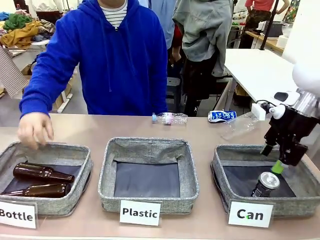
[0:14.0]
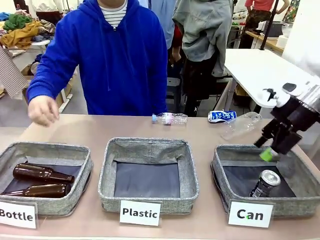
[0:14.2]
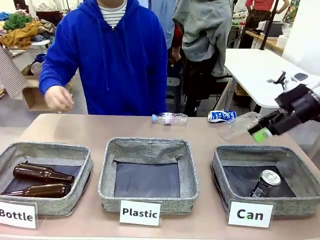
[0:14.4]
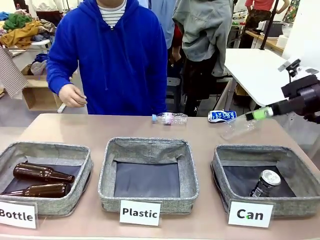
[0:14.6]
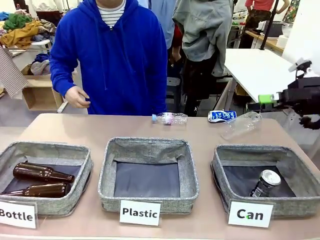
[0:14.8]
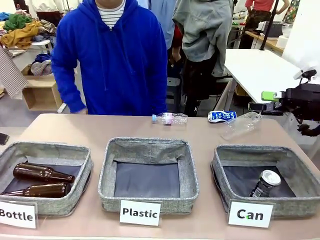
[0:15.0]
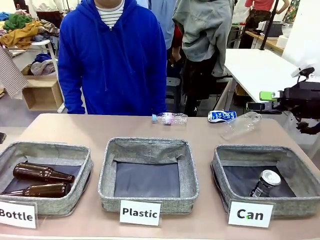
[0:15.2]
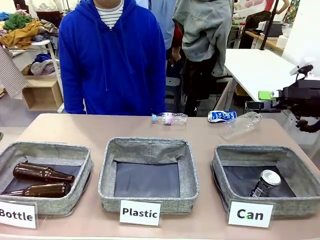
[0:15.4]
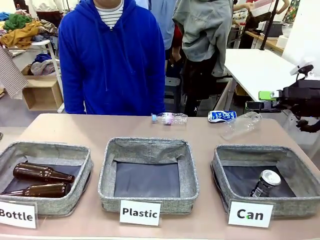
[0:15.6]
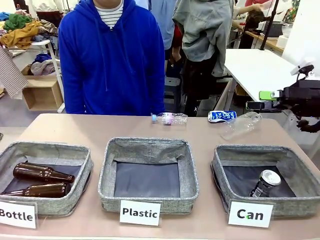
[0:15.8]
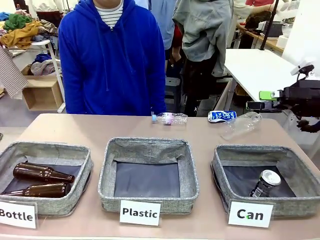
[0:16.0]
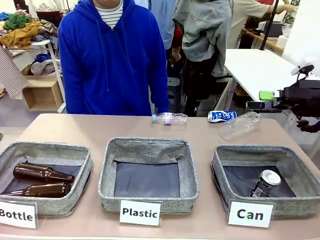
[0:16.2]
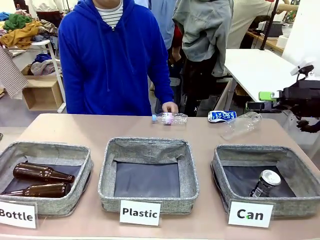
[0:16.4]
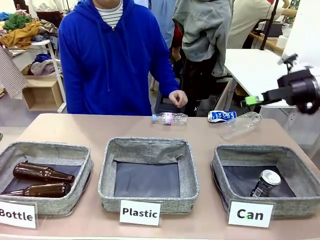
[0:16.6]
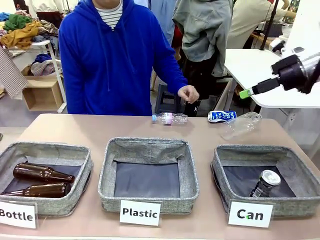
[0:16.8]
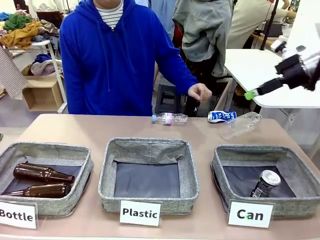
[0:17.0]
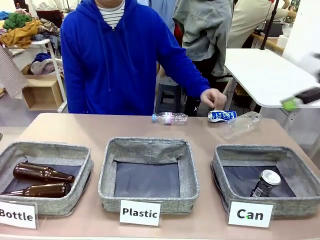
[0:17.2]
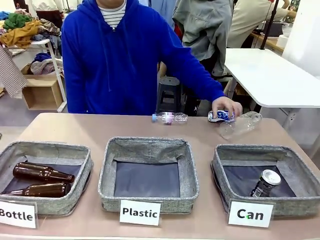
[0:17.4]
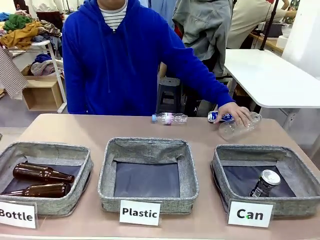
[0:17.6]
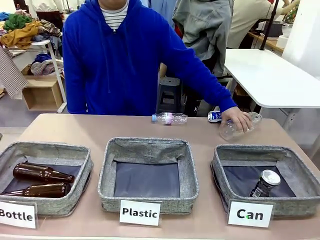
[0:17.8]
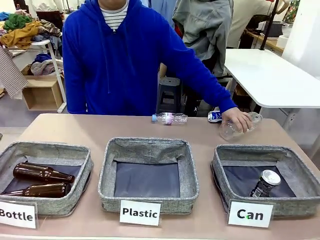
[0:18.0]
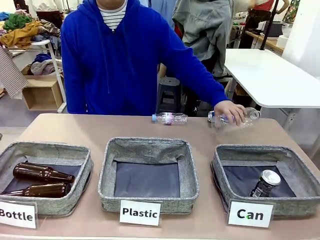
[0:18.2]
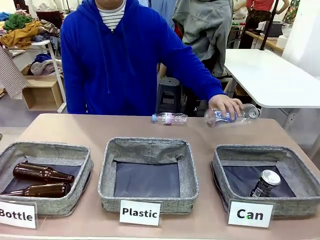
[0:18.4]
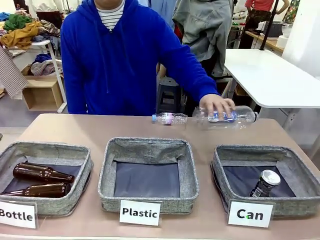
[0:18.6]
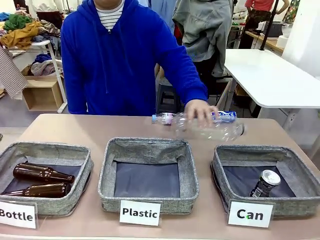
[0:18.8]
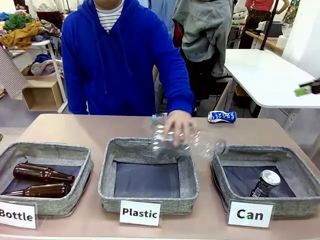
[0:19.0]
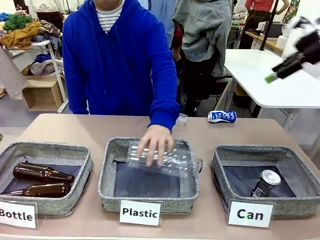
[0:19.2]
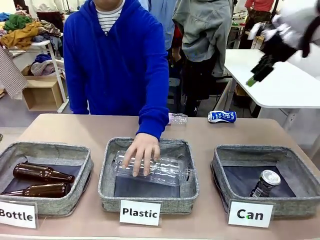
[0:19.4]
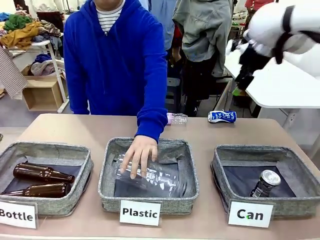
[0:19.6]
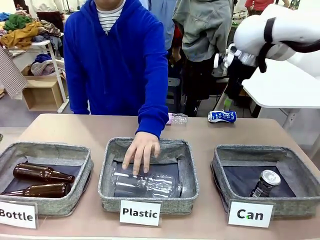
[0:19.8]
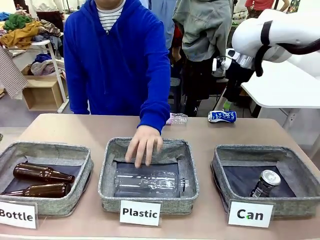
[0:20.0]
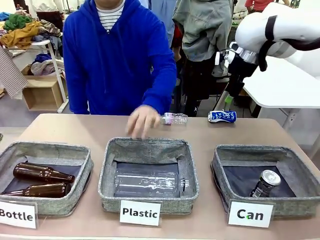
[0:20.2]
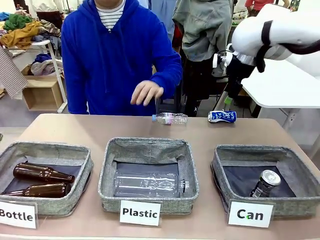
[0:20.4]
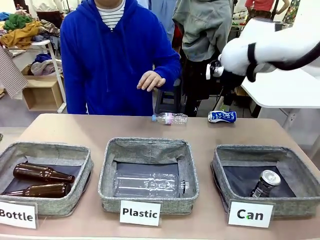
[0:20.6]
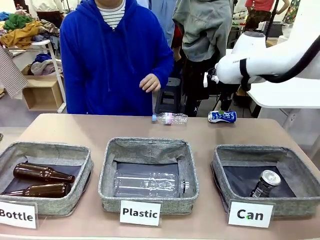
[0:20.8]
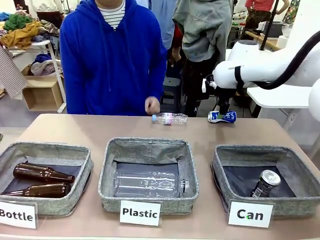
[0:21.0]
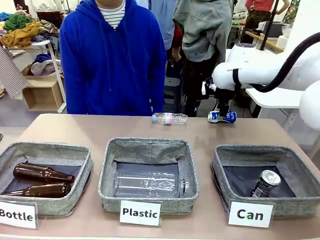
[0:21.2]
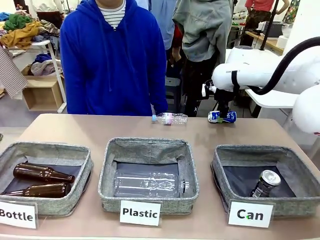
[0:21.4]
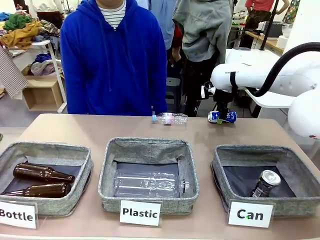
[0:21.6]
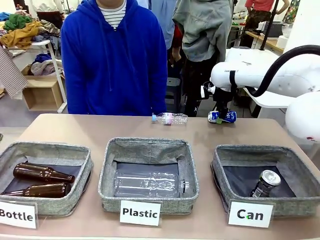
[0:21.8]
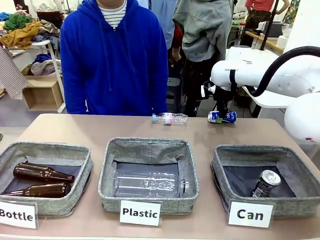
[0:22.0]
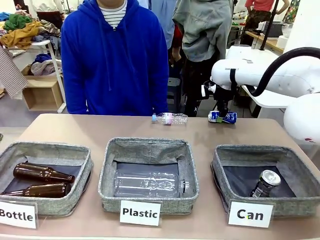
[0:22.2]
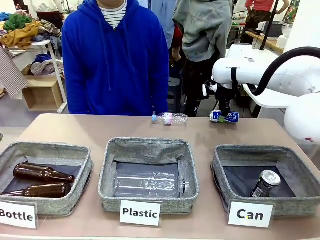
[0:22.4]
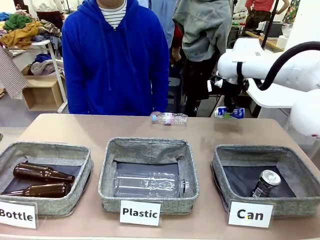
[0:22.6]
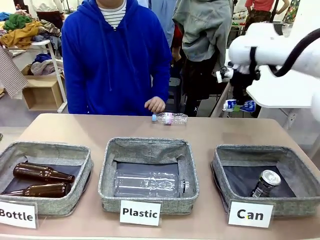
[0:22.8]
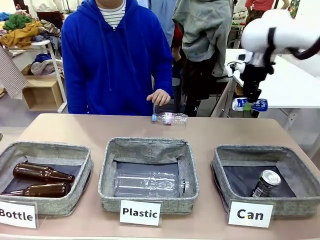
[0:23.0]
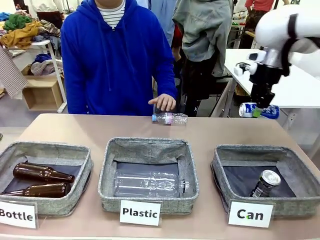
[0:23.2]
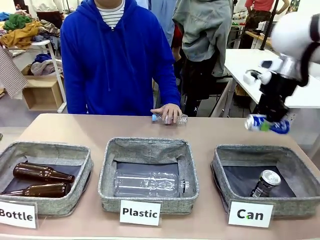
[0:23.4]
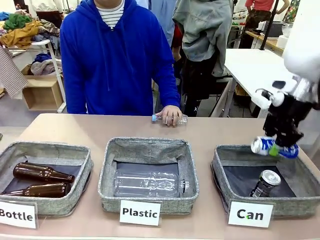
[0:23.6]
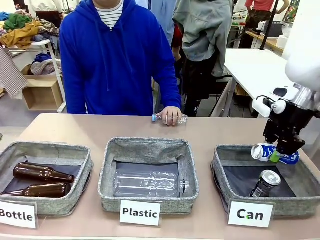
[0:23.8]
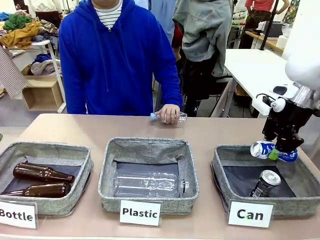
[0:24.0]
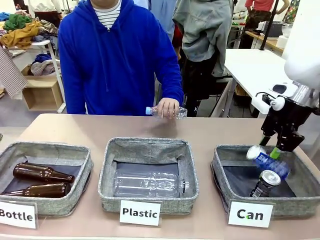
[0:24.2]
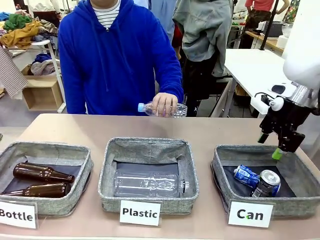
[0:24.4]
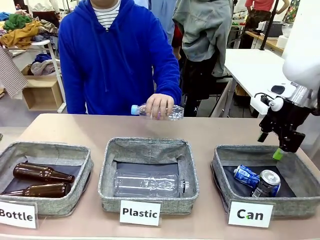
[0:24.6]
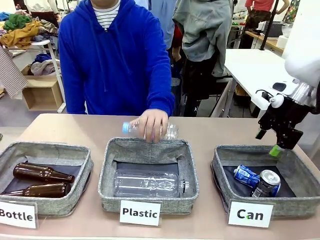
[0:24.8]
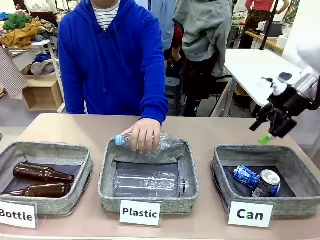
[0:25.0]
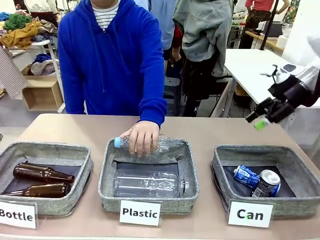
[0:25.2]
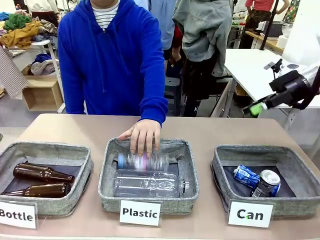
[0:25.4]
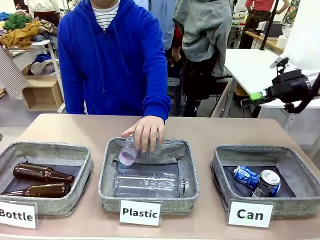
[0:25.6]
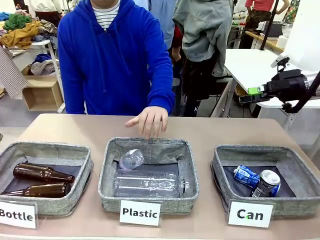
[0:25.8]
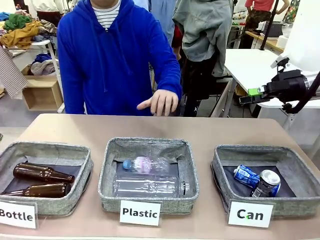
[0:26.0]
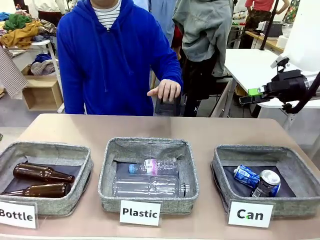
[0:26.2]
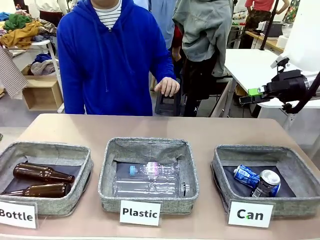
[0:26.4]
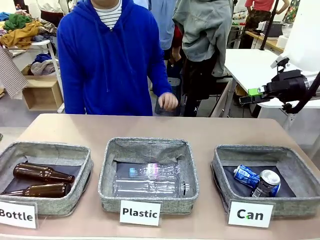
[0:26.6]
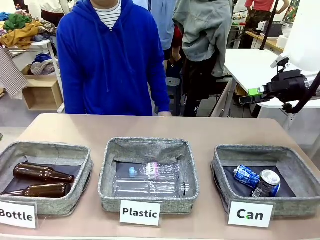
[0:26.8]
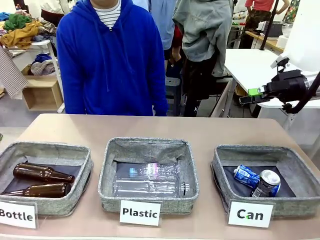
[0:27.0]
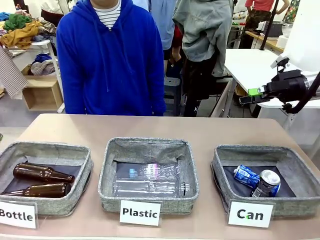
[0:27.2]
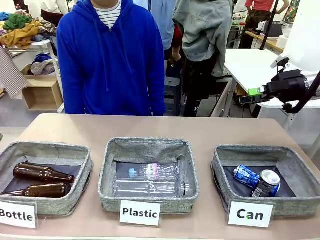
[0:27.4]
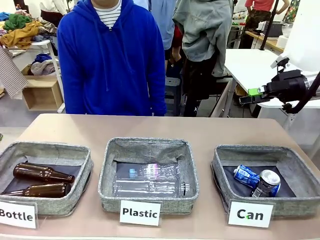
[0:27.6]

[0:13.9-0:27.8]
Task: Sort the can waste into the basket.
Robot: Pick up the can waste from the table and place it in the right Fabric basket.

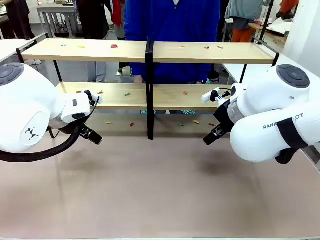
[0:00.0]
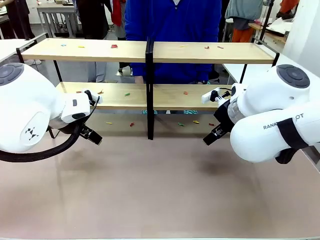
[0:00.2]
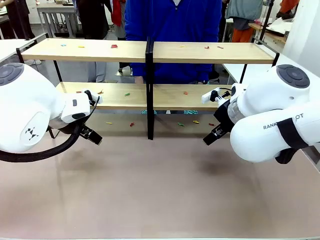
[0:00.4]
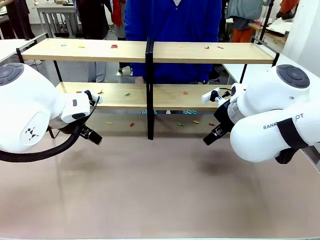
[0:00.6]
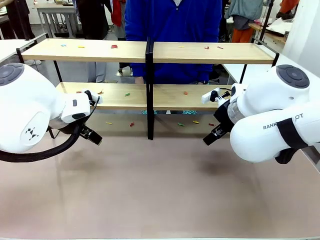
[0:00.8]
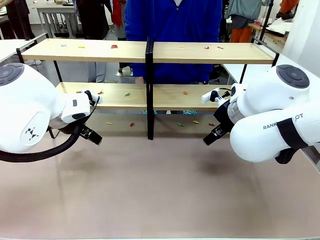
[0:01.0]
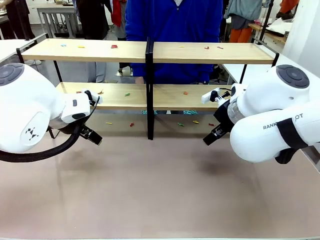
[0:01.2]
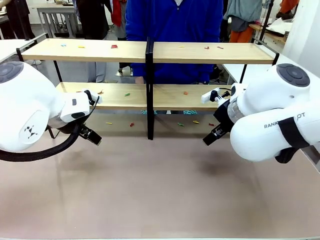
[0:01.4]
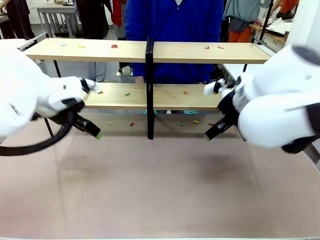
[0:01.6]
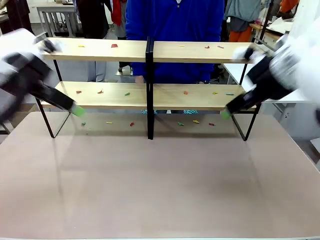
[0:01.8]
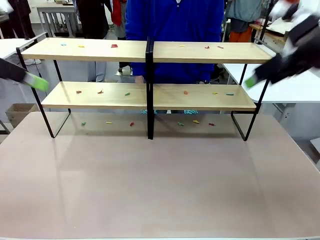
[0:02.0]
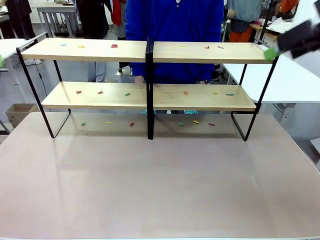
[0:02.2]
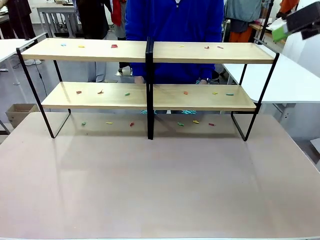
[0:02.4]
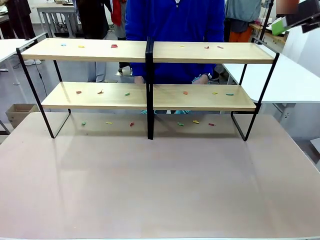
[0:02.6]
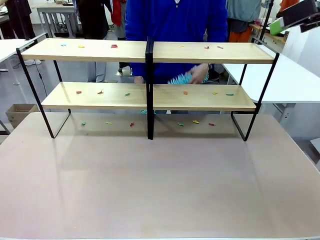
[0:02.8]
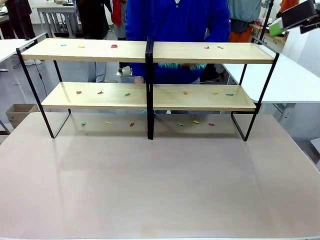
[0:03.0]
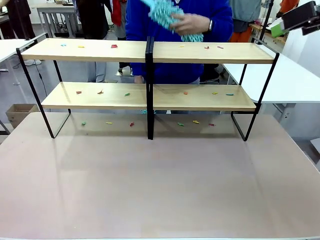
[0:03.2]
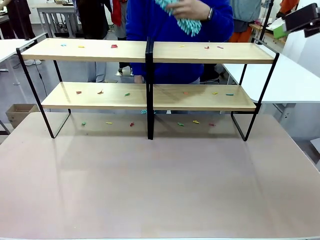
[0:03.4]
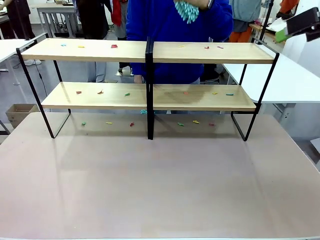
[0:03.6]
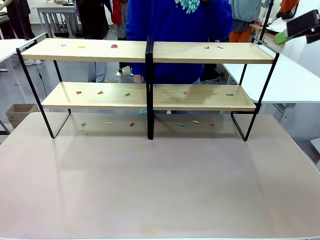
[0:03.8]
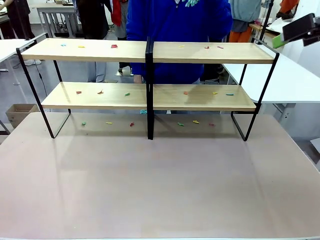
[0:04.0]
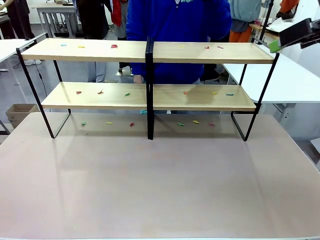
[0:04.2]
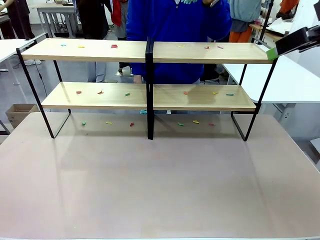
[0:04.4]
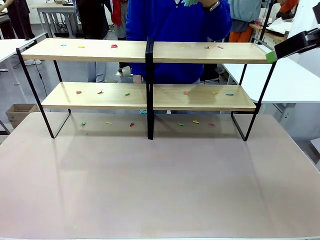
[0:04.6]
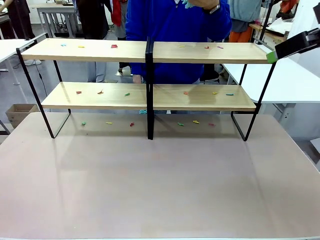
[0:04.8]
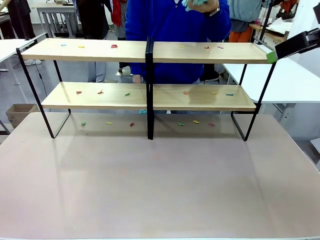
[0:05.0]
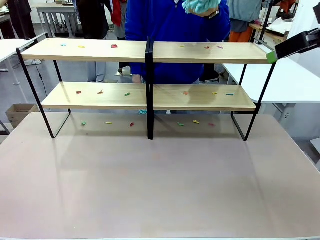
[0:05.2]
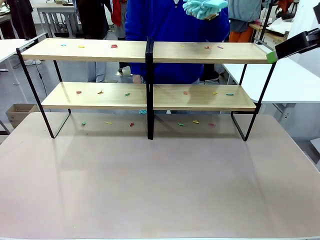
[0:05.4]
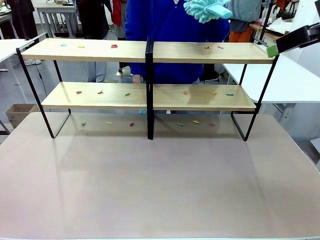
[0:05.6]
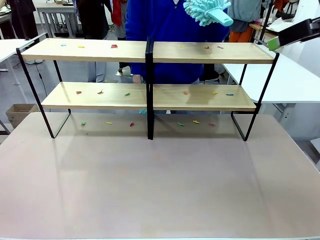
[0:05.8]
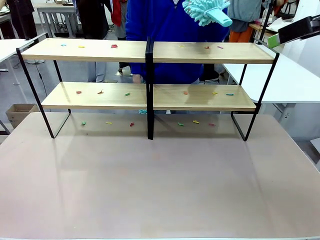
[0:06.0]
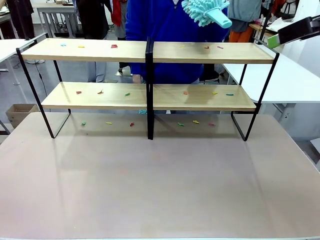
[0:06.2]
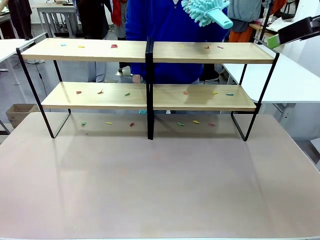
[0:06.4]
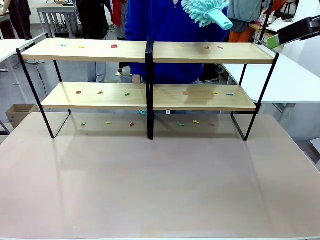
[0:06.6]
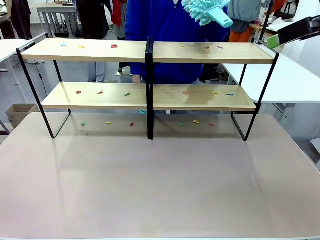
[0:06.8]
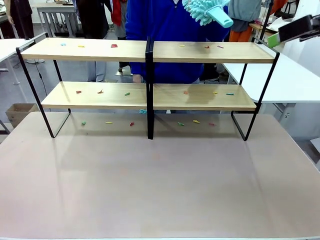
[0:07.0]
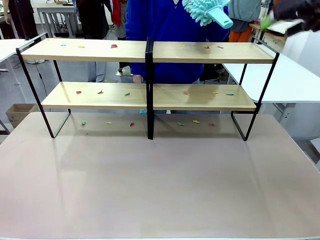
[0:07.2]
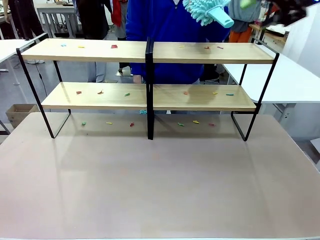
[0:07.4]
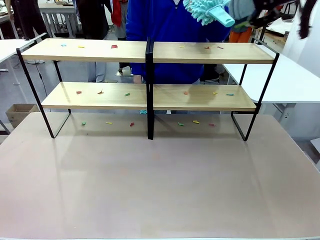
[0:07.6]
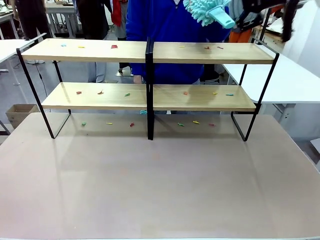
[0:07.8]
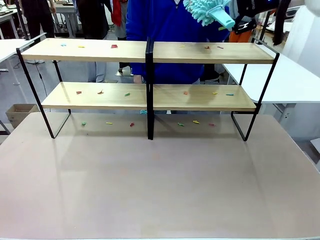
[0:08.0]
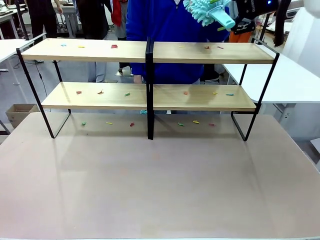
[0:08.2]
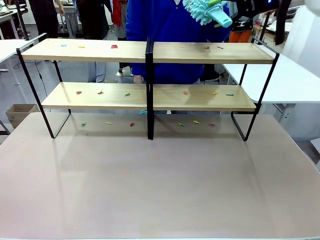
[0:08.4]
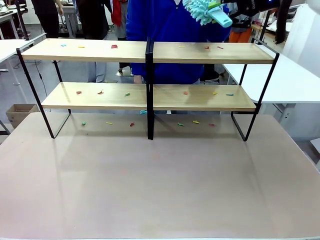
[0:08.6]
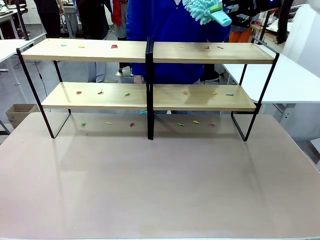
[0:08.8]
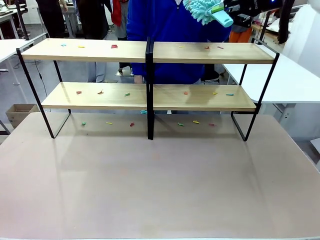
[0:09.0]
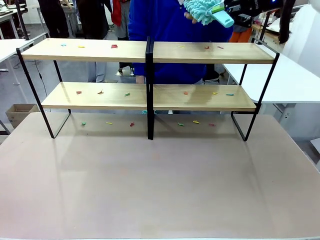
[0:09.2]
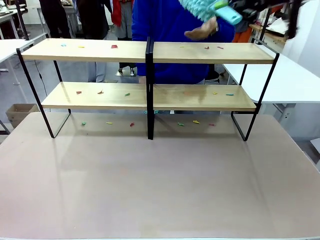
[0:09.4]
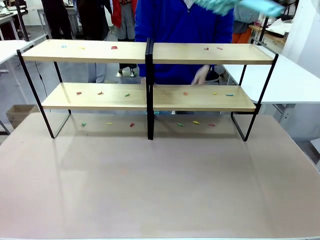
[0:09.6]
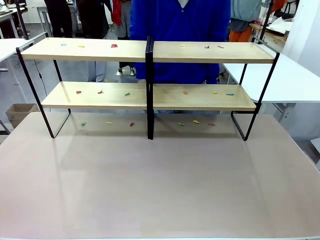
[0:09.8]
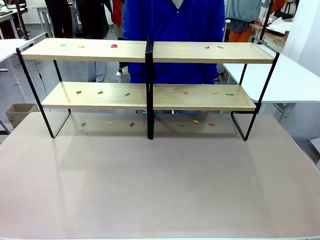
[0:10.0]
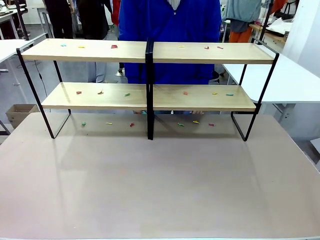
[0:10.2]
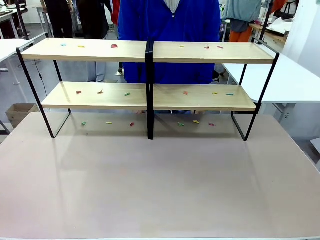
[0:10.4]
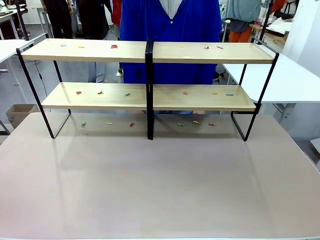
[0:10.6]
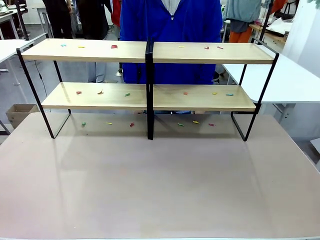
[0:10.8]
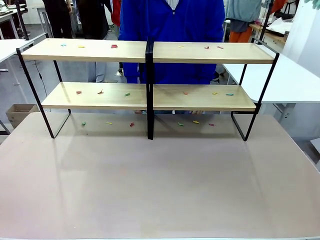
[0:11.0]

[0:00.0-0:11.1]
Task: Clean the shelves.
Robot: Pick up the Duster when the human hands it over.
Person: Hand the Duster to the robot with your right (or left) hand.
